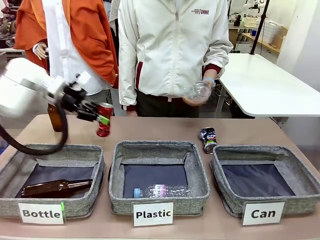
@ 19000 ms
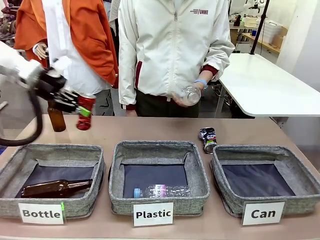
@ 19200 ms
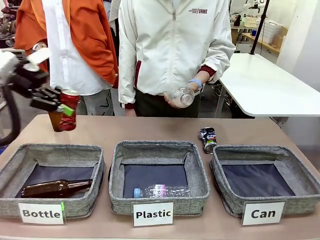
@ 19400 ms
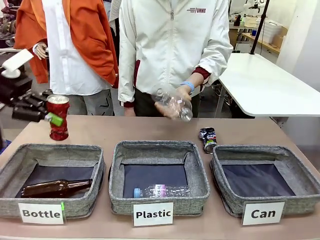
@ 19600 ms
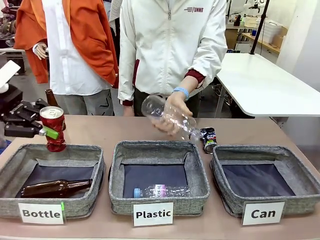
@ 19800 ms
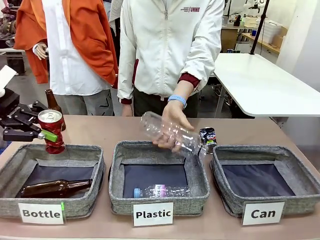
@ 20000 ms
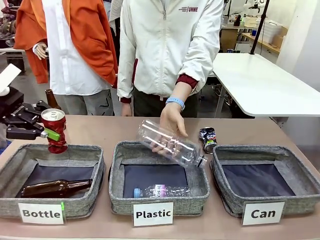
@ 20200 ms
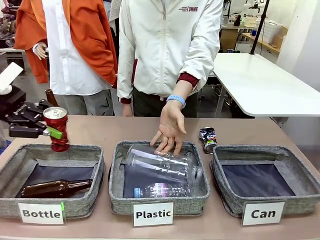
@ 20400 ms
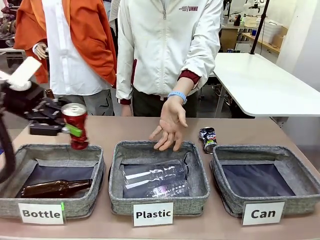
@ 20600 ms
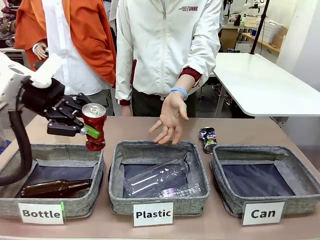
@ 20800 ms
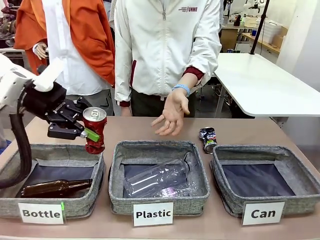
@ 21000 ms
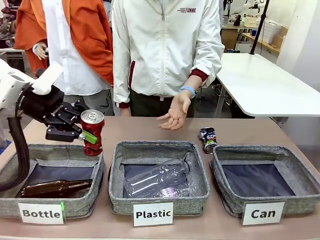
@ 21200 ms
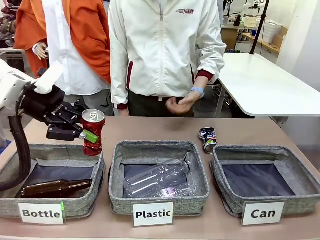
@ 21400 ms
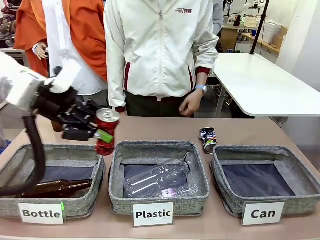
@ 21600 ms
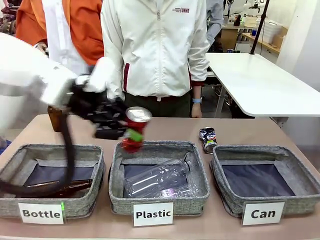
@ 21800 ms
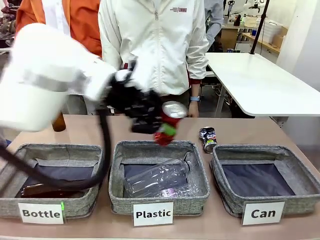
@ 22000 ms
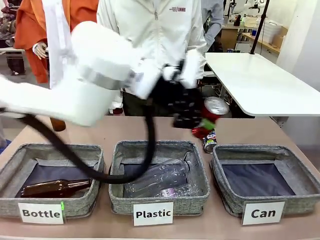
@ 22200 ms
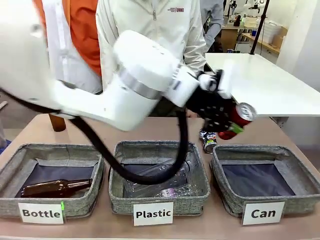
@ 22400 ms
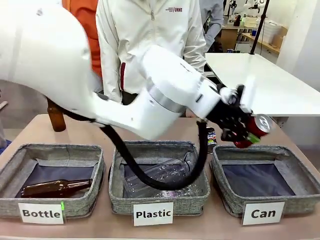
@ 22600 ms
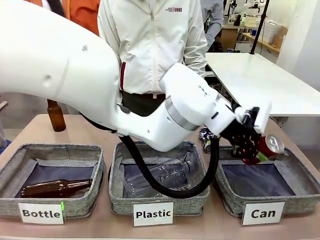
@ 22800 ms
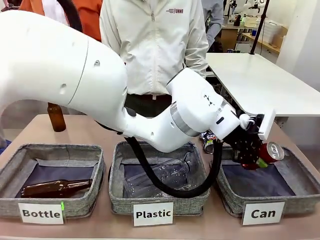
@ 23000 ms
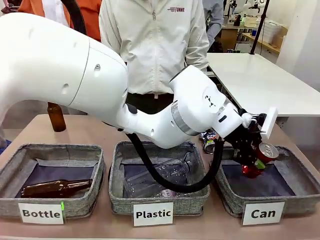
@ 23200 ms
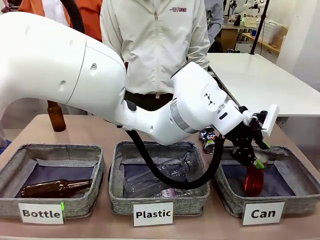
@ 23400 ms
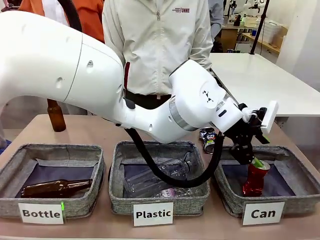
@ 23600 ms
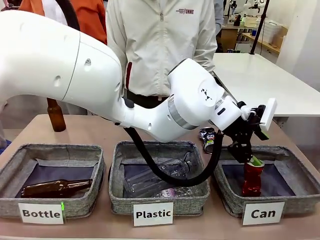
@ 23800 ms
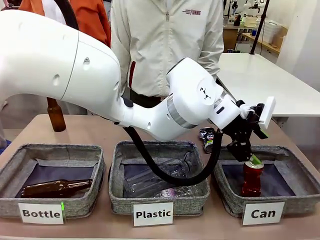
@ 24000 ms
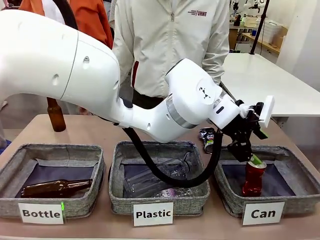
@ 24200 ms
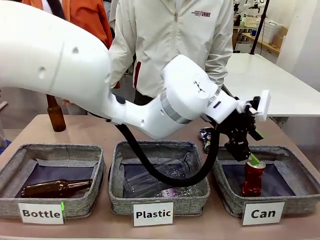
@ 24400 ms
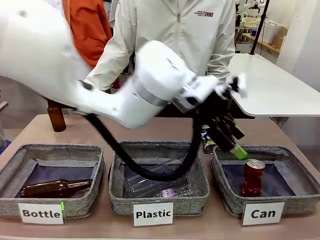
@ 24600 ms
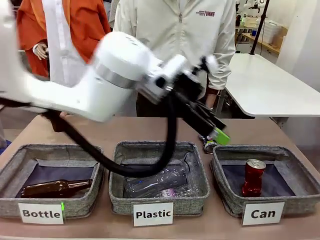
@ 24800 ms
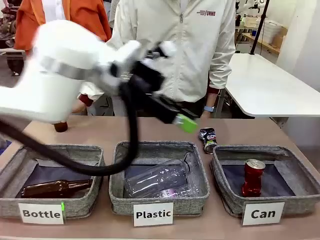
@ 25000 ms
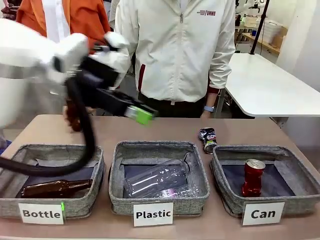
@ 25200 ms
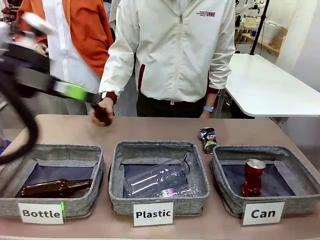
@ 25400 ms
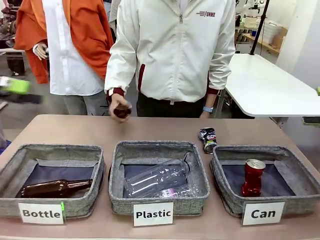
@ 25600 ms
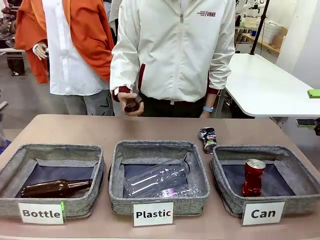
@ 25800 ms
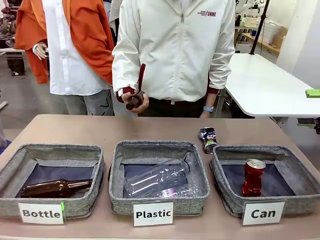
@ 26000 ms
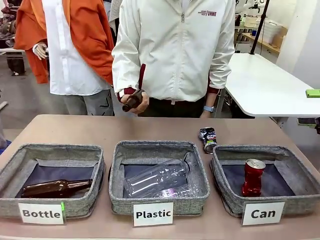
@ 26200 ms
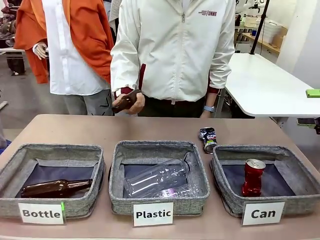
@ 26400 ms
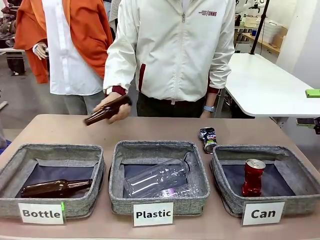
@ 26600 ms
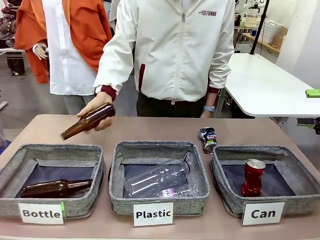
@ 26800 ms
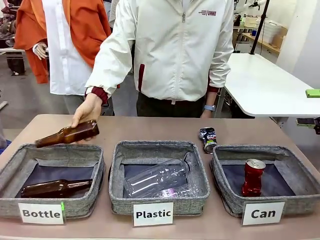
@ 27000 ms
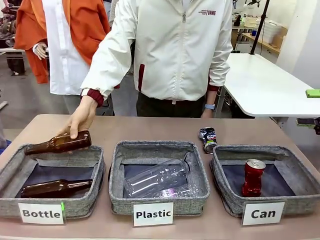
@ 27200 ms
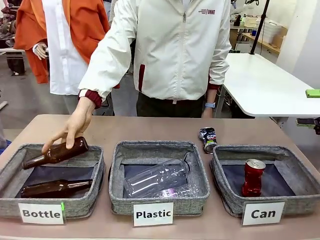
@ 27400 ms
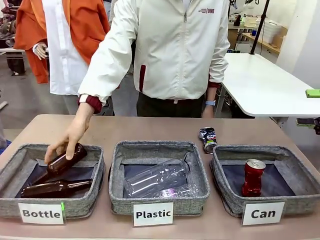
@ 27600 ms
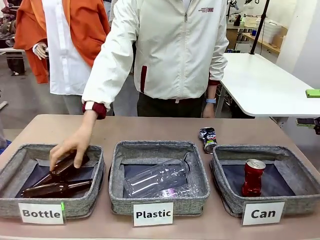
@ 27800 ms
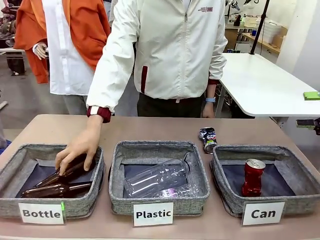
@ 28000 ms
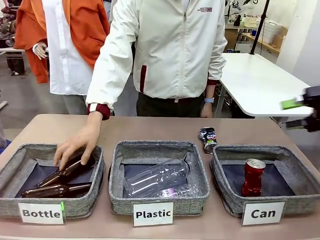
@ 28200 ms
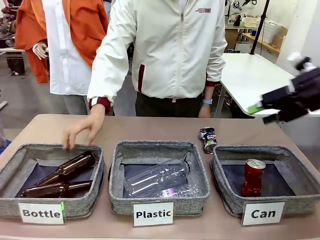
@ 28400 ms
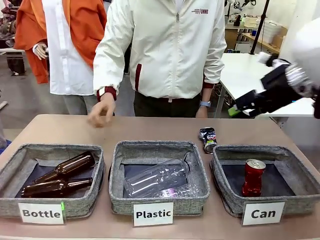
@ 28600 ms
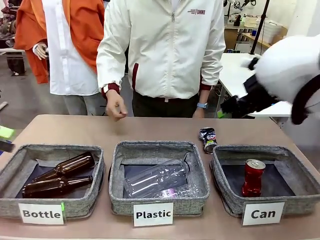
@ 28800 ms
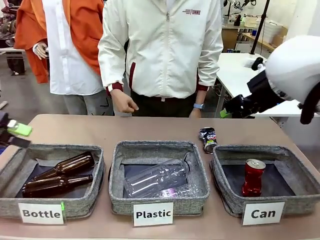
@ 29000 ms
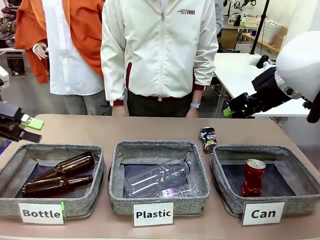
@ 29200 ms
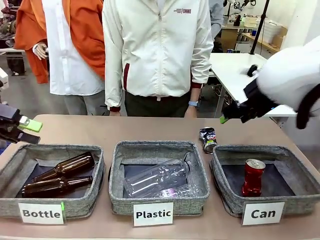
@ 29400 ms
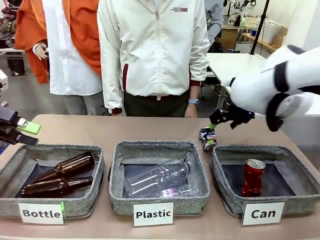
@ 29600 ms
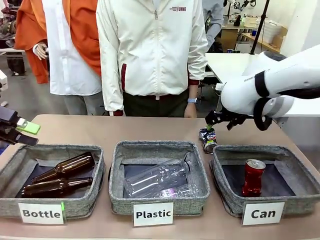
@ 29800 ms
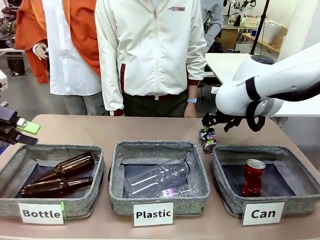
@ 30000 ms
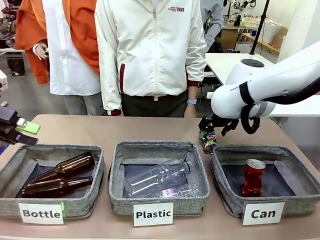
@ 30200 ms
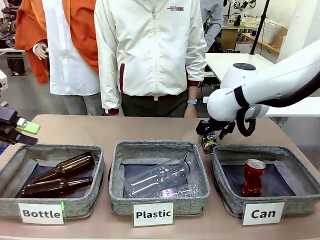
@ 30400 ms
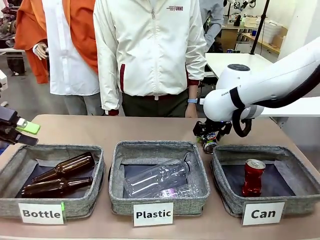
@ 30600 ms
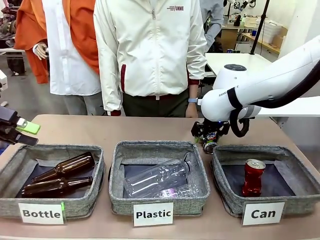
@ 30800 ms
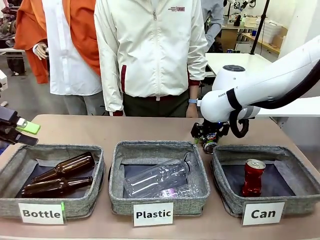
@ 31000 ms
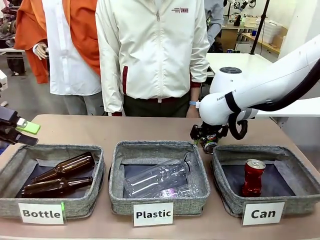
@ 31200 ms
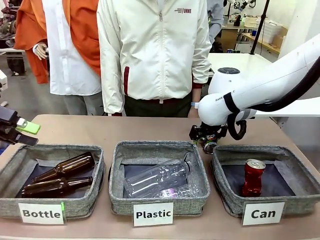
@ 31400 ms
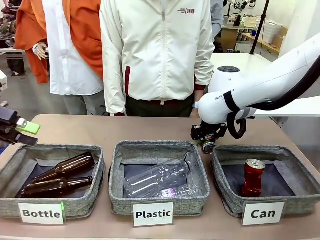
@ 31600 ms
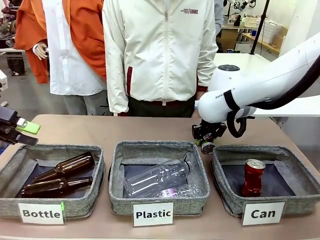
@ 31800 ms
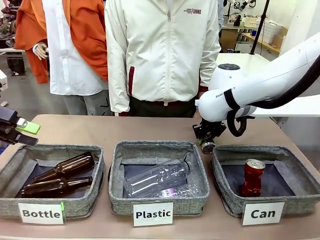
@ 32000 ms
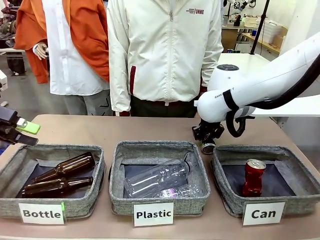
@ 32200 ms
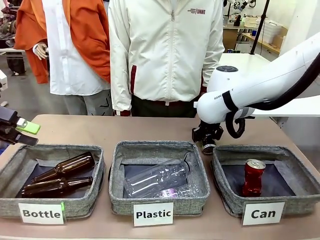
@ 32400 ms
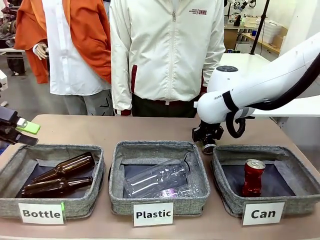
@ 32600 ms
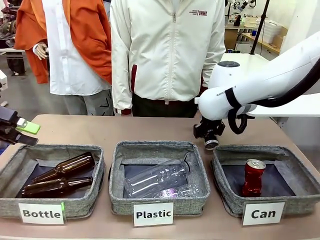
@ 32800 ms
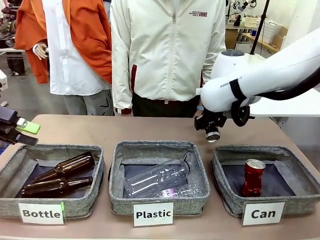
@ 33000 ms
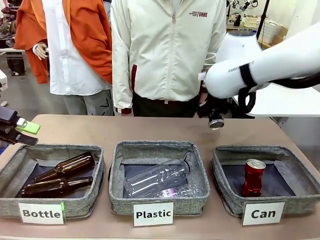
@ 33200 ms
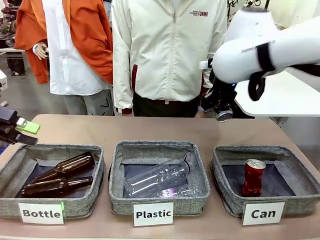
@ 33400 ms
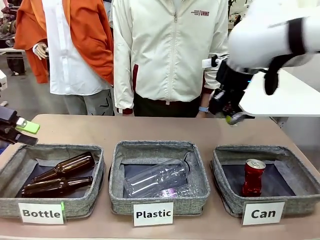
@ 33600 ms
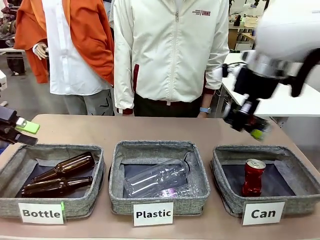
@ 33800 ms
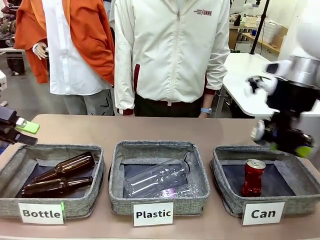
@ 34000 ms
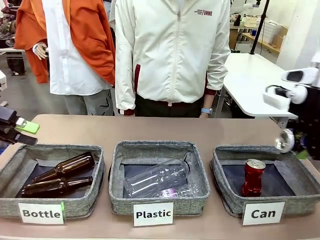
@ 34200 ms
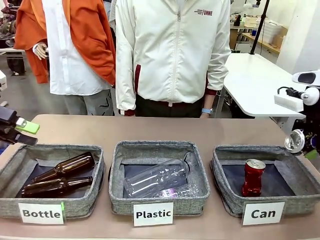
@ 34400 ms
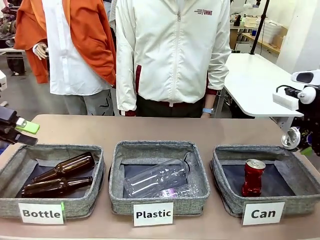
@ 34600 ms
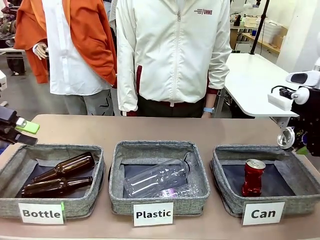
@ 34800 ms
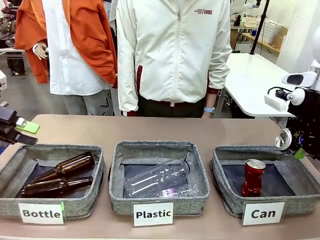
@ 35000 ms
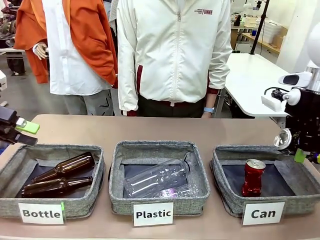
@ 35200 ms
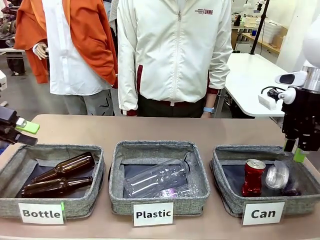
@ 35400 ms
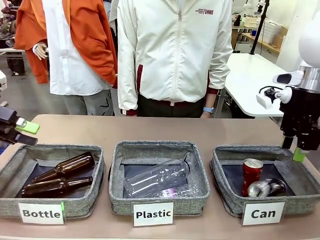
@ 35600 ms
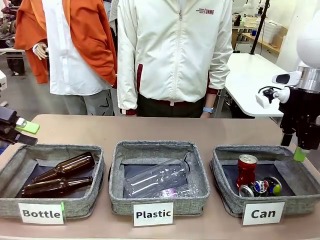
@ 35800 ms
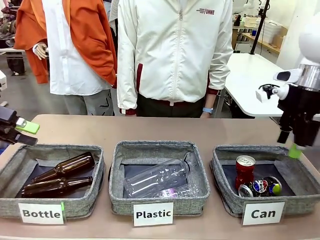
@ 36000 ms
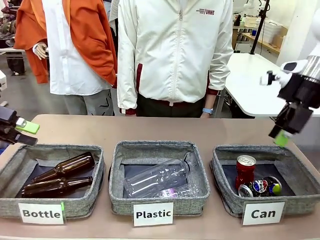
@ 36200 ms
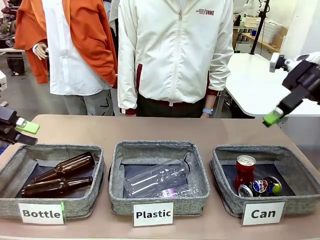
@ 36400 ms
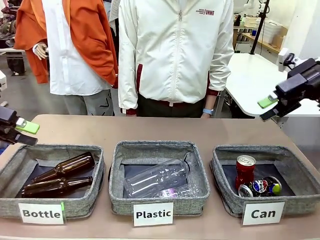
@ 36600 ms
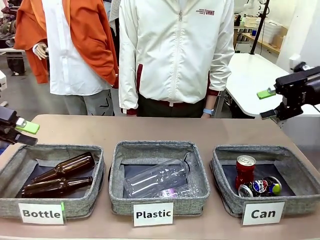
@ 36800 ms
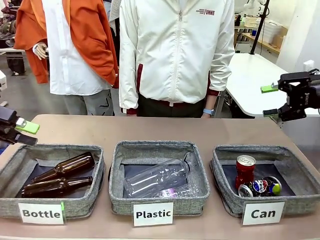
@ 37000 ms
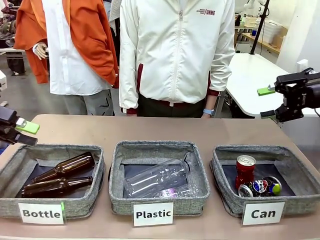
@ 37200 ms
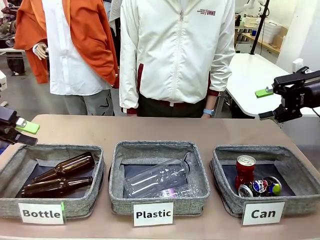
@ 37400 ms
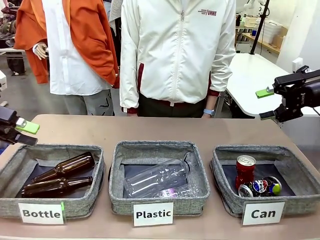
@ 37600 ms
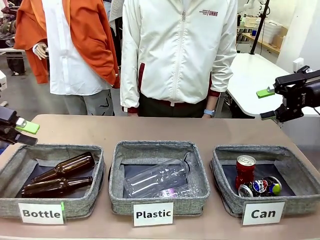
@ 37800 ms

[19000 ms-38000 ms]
Task: Sort the can waste into the basket.
Robot: Pick up the can waste from the table and place it in the right Fabric basket.
